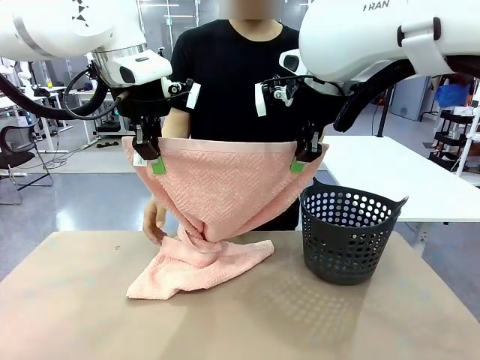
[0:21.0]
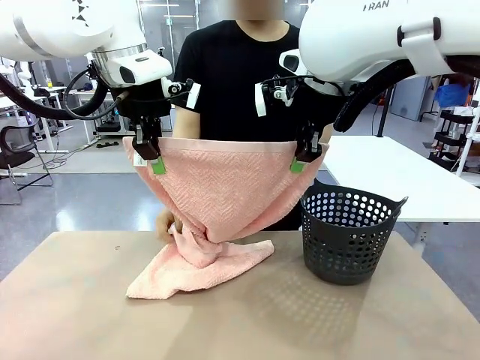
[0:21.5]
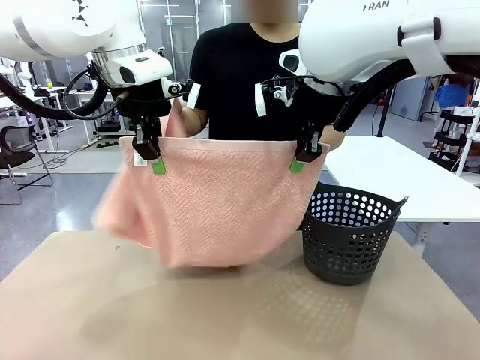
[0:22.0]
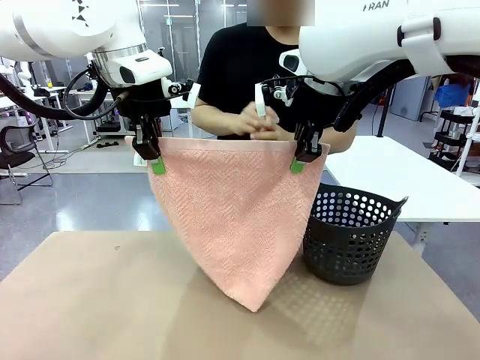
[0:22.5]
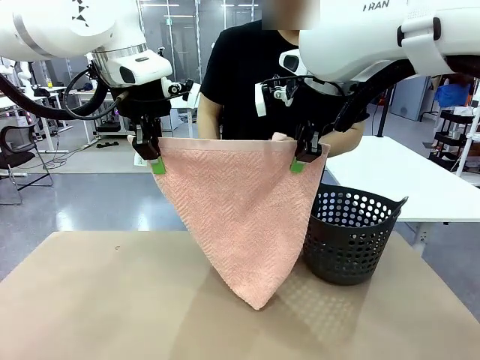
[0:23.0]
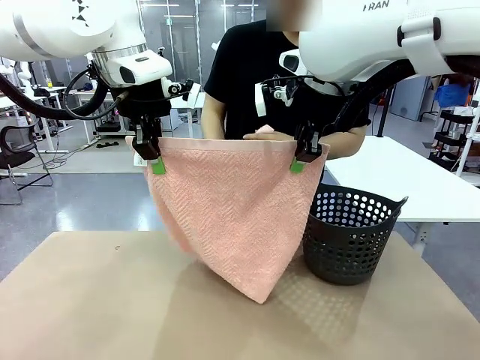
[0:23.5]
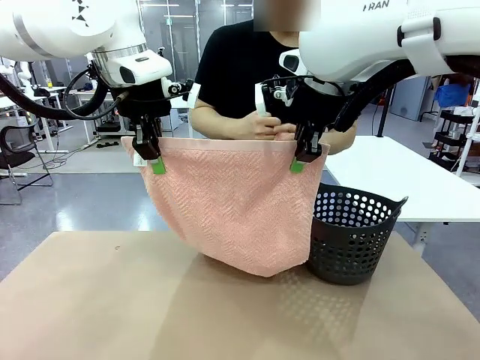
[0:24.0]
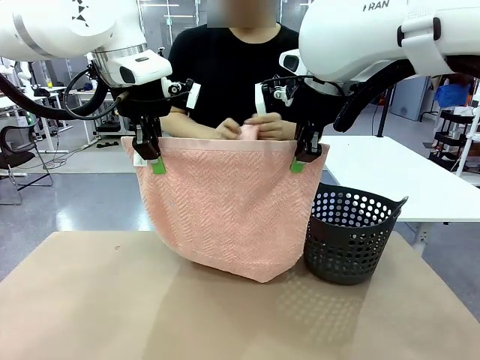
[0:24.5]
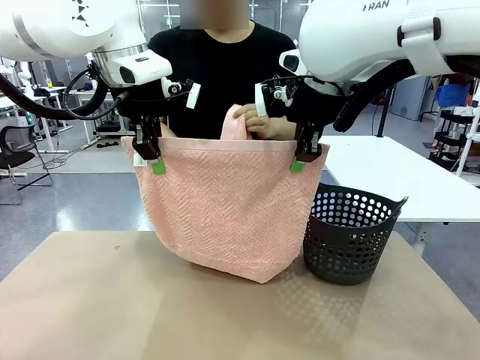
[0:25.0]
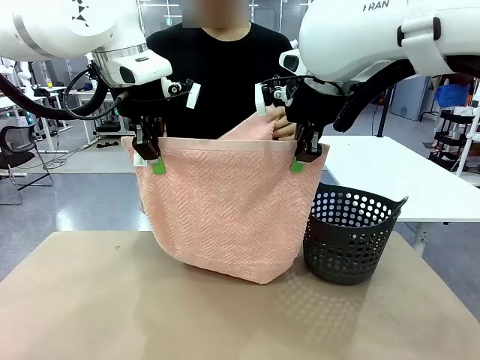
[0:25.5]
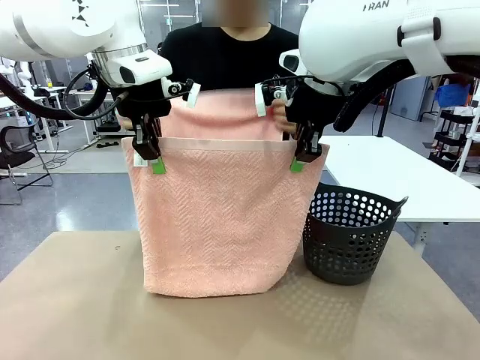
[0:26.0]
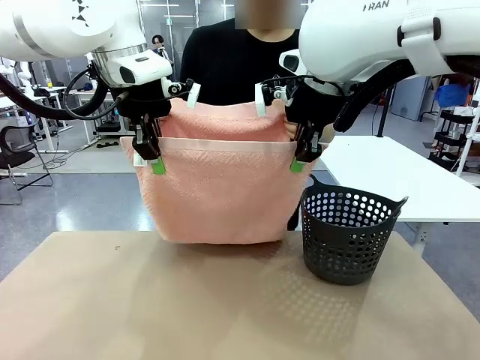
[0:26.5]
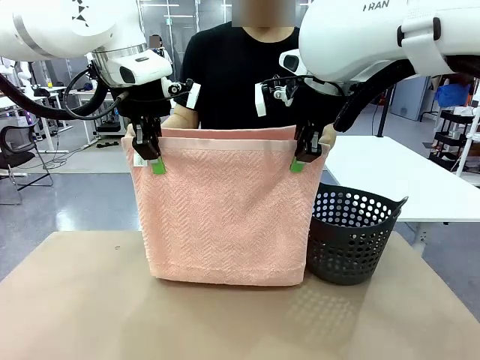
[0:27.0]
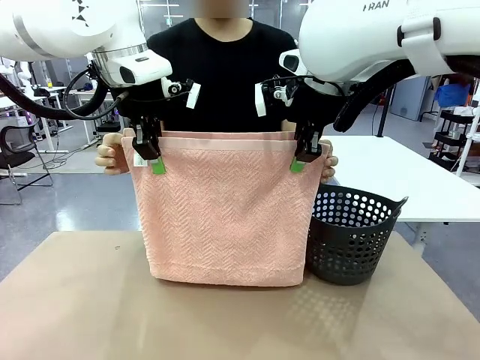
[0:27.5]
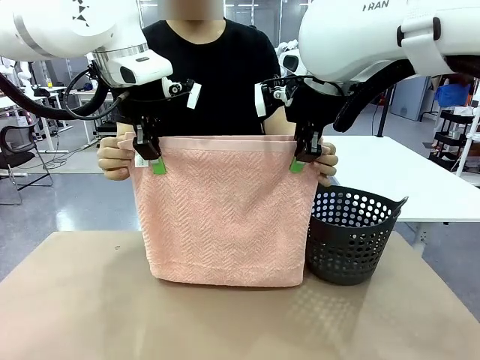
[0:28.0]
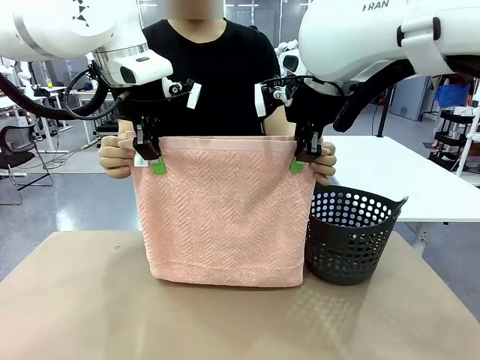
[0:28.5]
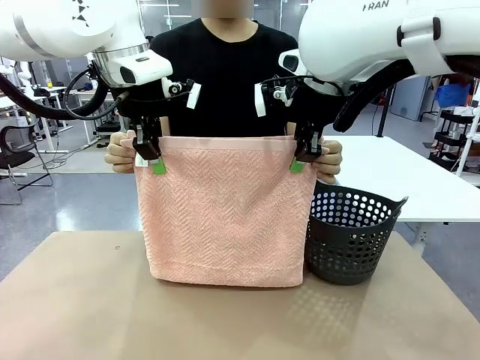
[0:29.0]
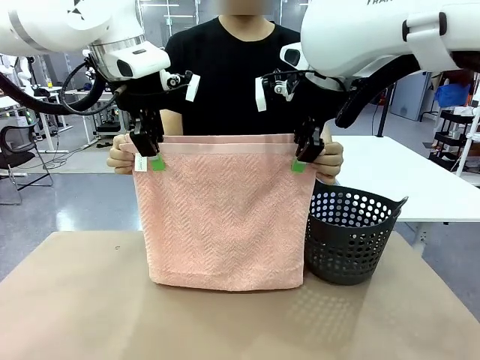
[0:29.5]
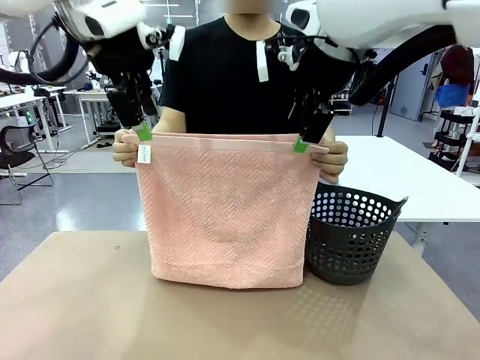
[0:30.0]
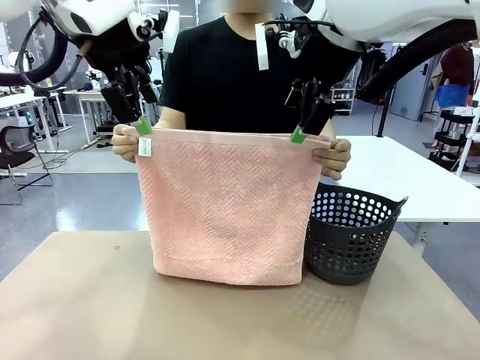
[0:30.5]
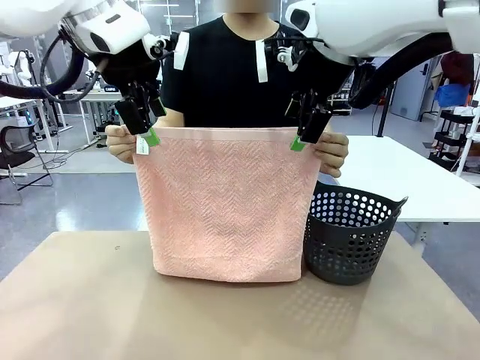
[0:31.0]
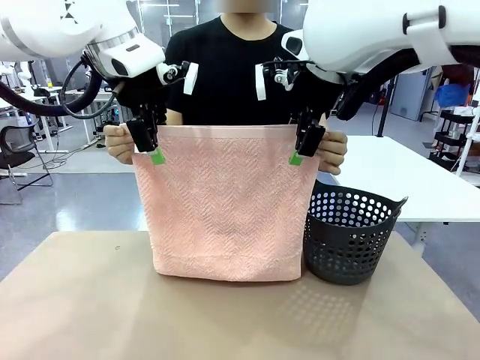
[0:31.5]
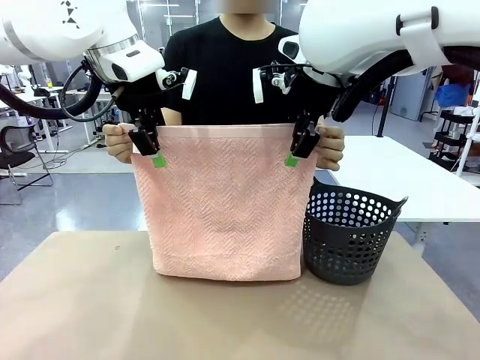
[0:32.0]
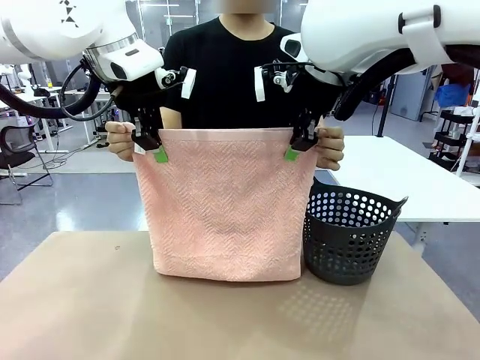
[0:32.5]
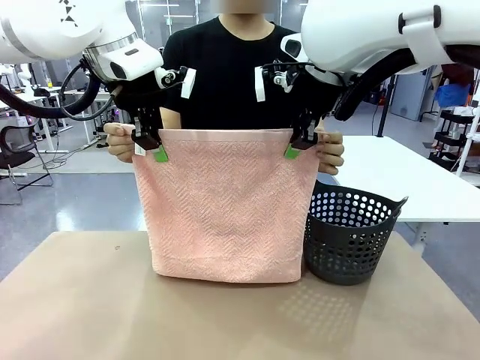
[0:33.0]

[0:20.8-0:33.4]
Task: Fold the towel.
Robot: Release the end of the 100 cm Hotel Towel you were holding and grab the top end of the folded side.
Person: Using the point held by the robot as a reference, grasp the opposite end, fold the towel in half, and then hold both ends of the folded towel.

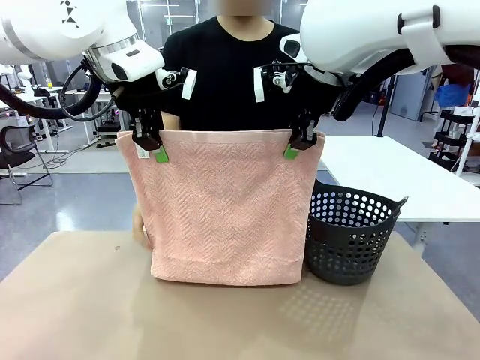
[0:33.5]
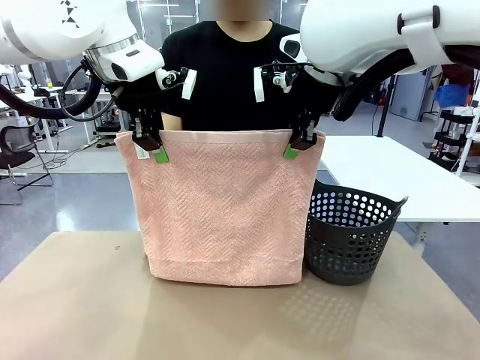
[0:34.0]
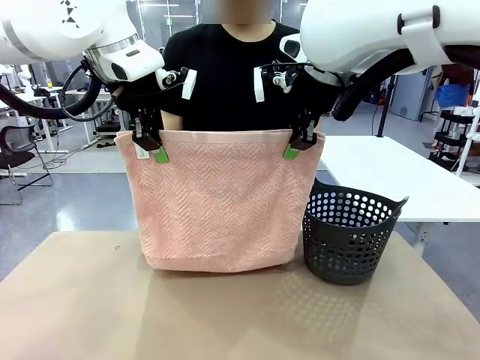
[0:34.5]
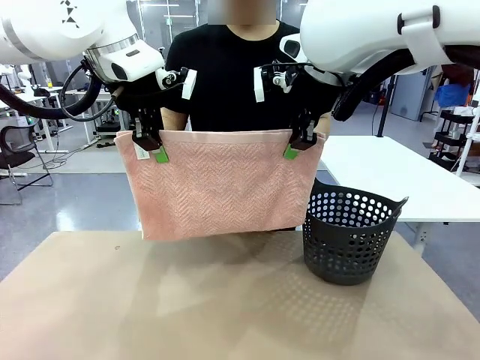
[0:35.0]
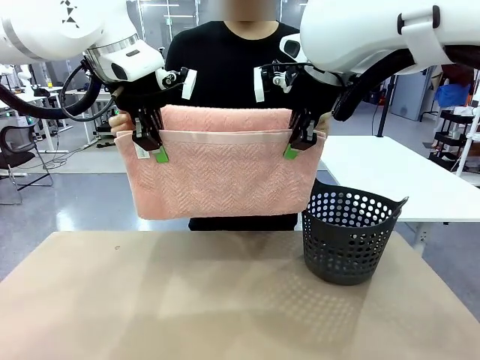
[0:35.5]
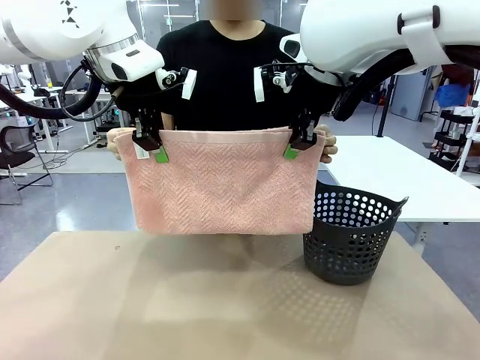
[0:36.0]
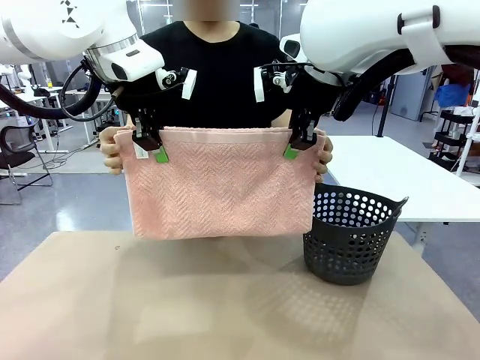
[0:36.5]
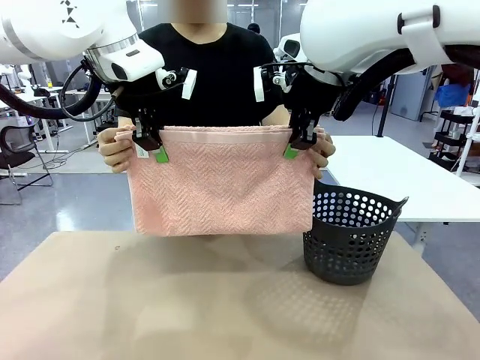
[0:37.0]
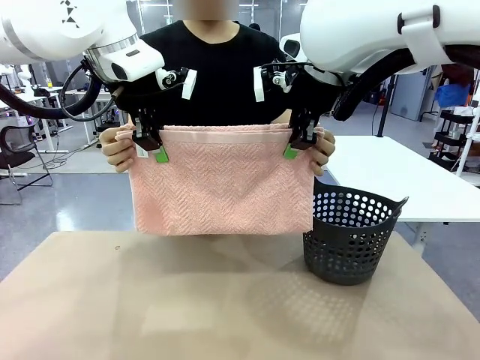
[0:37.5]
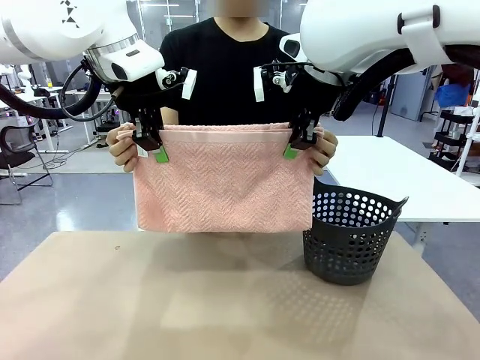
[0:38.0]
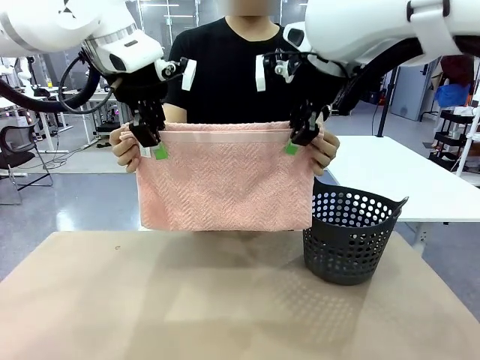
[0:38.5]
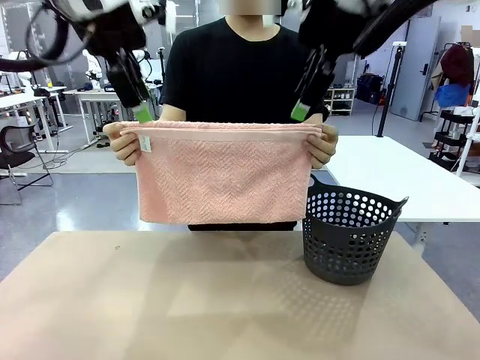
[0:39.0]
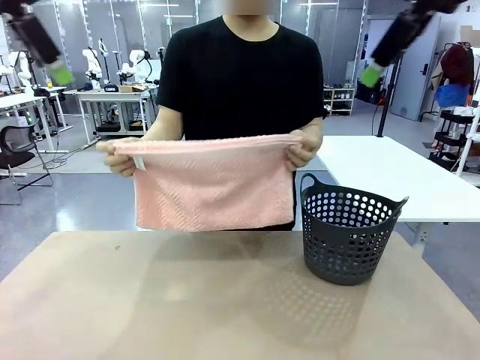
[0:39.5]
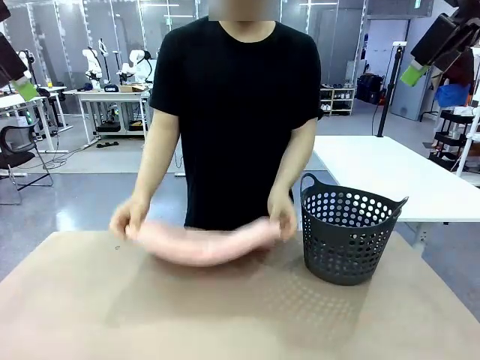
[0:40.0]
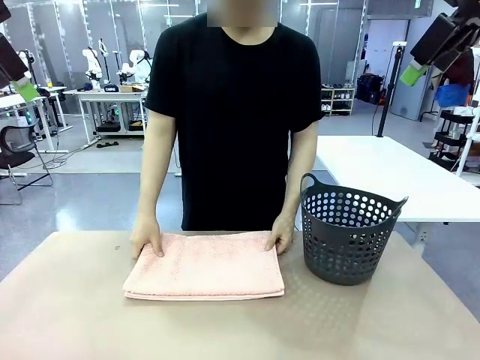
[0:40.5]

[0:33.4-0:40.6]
Robot: Release the end of the 100 cm Hotel Towel you were holding.

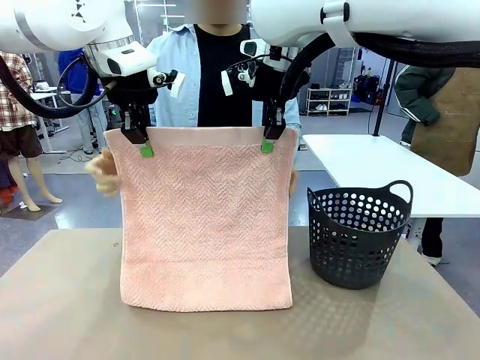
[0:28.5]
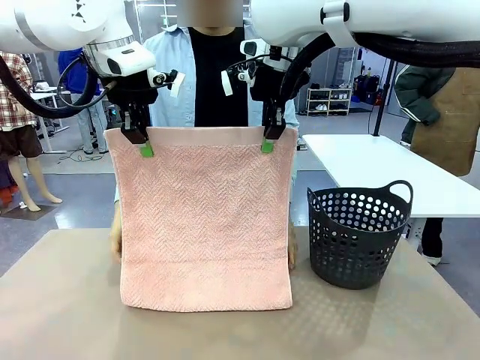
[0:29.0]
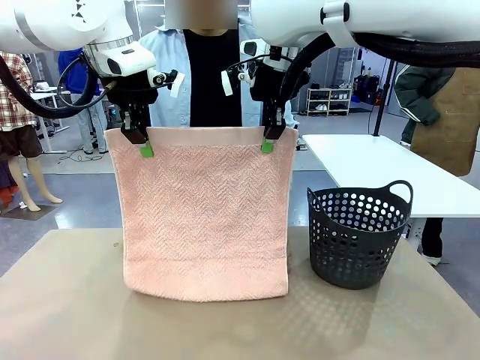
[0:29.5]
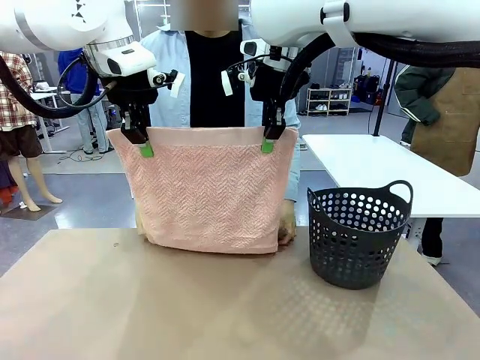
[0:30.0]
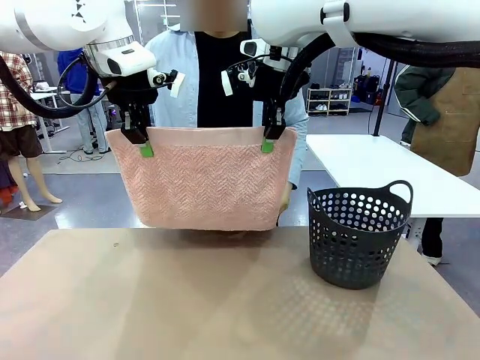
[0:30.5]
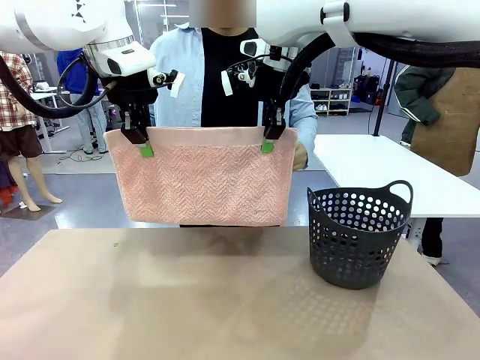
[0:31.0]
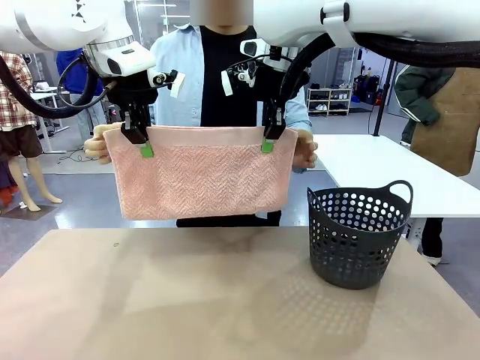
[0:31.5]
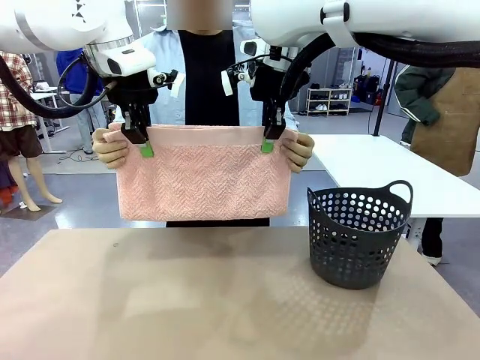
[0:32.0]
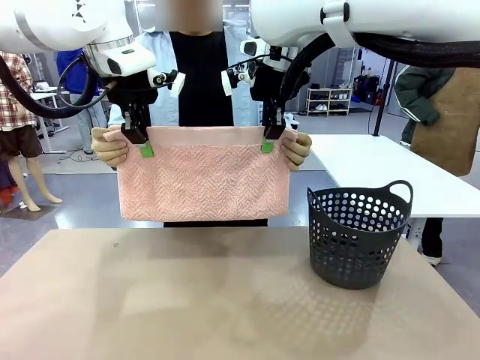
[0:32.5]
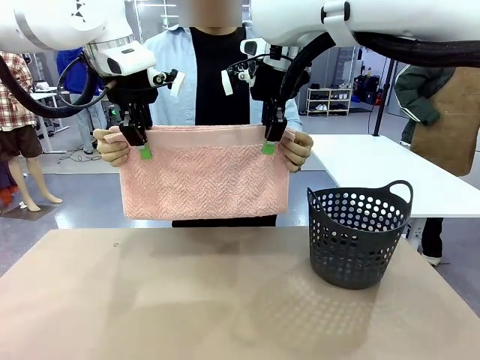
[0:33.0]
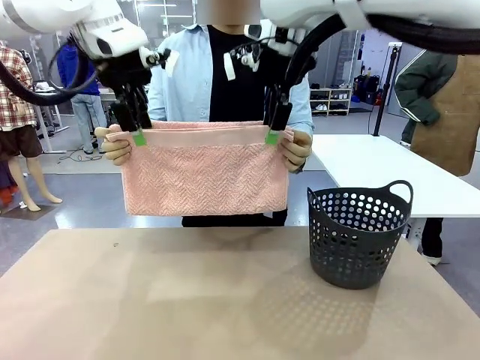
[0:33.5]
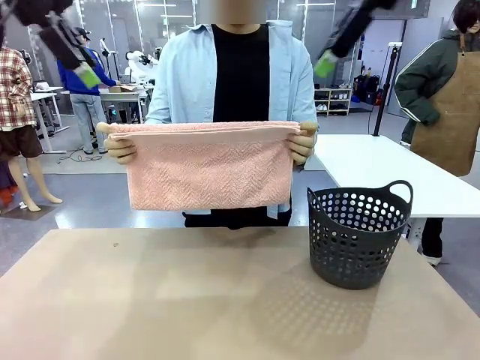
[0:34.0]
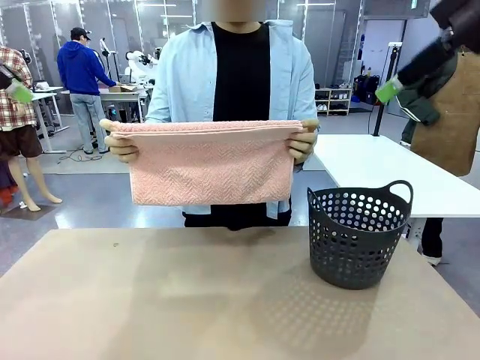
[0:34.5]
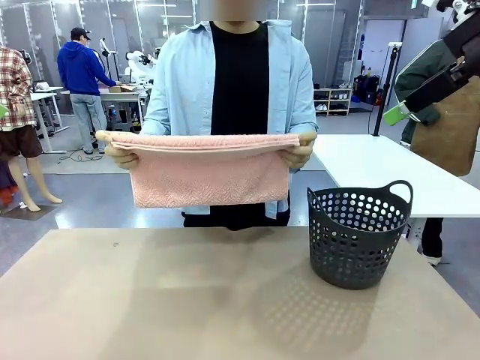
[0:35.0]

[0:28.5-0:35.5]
Task: Fold the towel.
Robot: Release the end of the 100 cm Hotel Towel you were holding.
